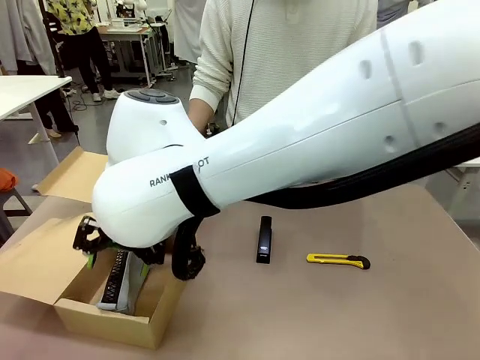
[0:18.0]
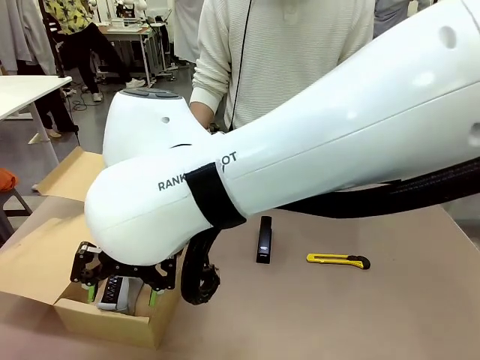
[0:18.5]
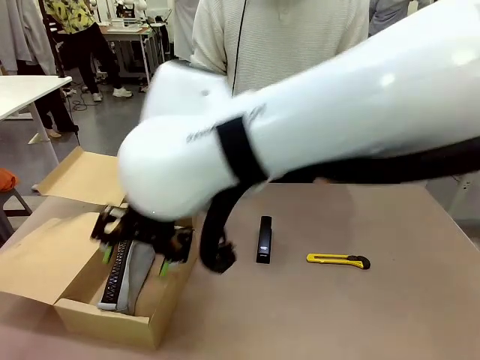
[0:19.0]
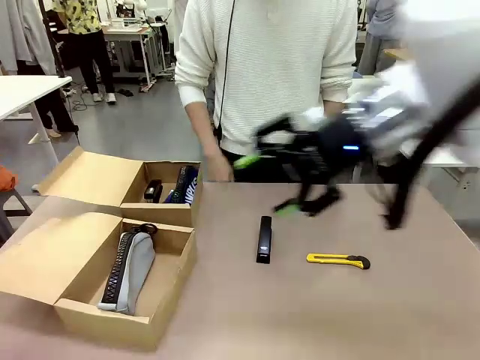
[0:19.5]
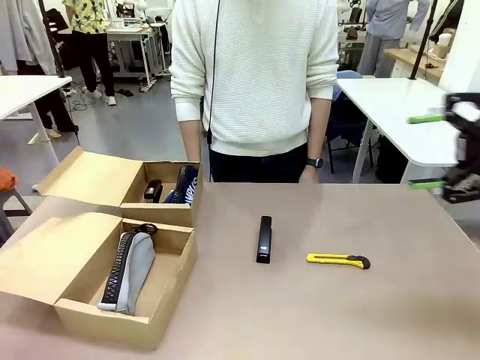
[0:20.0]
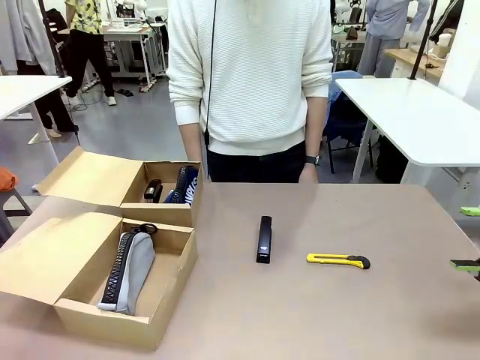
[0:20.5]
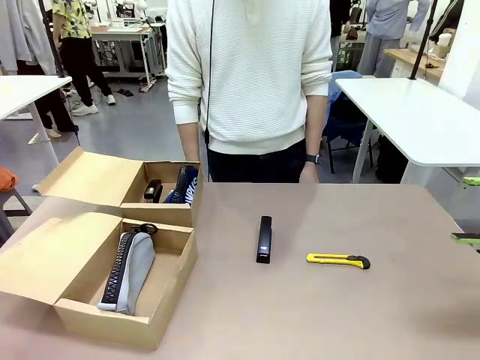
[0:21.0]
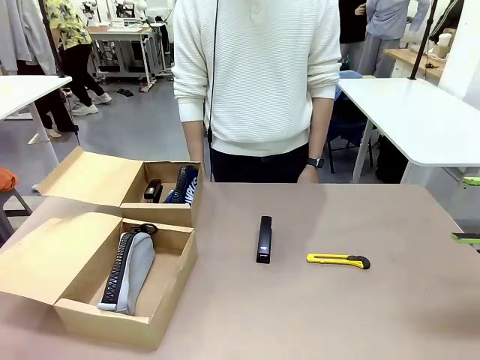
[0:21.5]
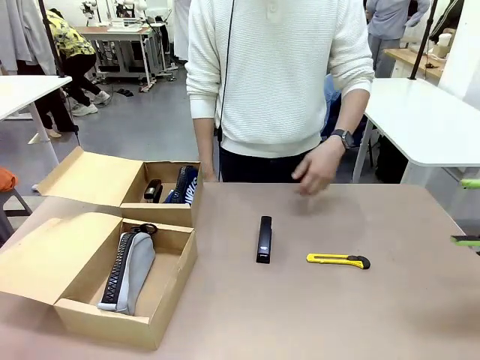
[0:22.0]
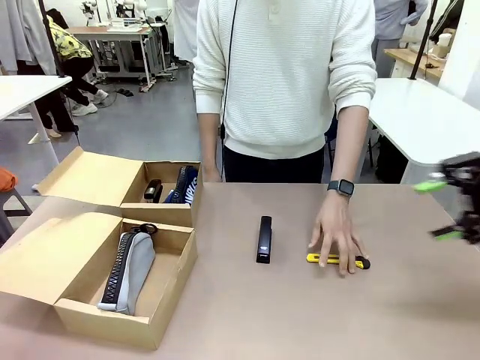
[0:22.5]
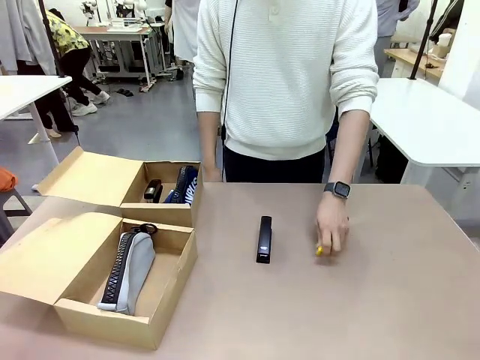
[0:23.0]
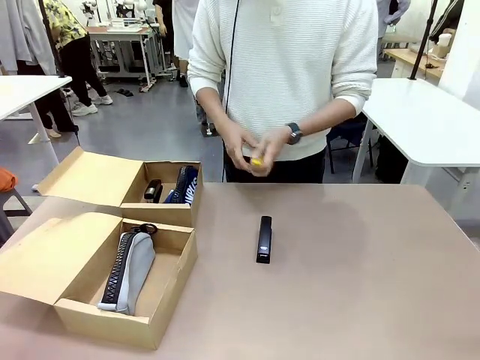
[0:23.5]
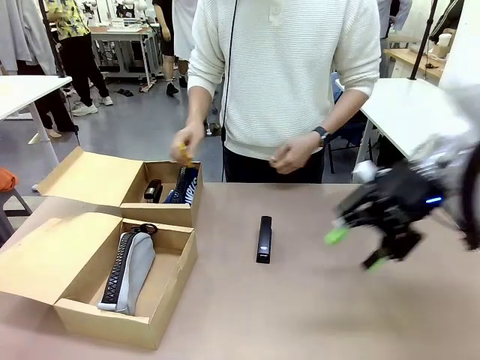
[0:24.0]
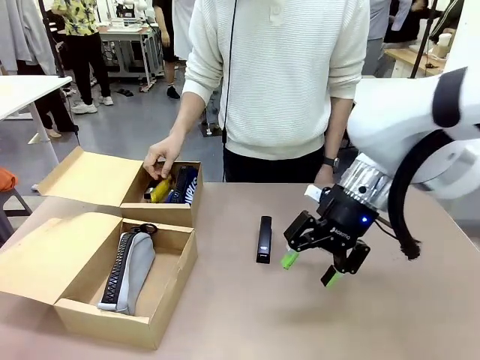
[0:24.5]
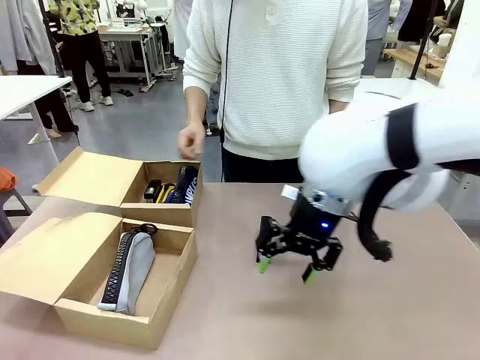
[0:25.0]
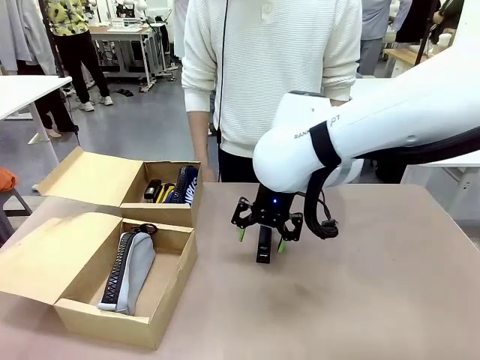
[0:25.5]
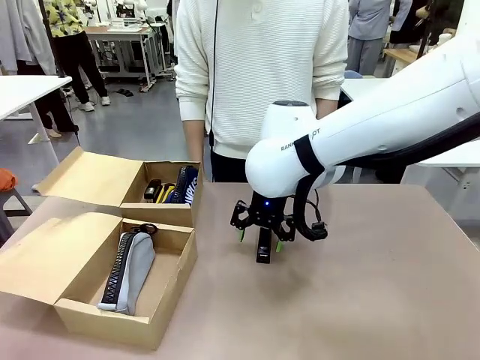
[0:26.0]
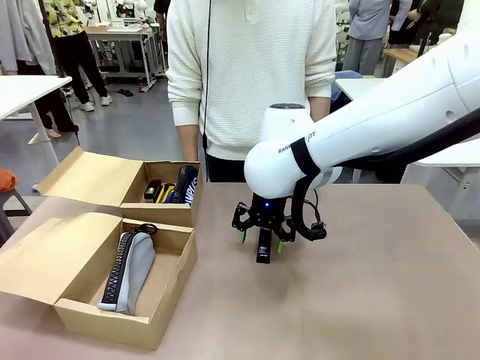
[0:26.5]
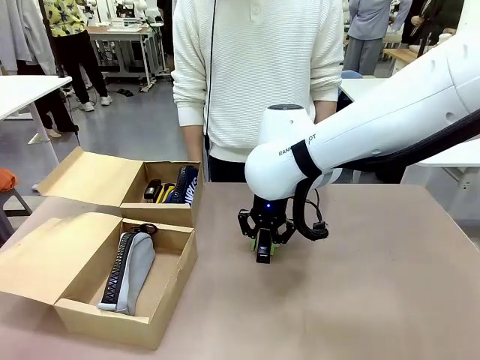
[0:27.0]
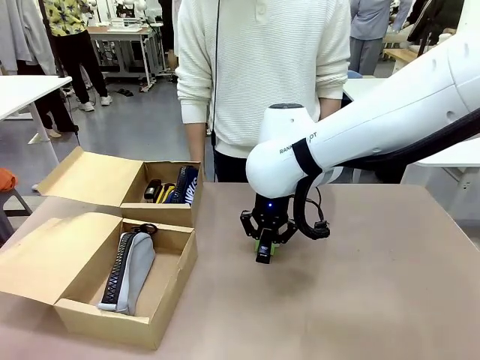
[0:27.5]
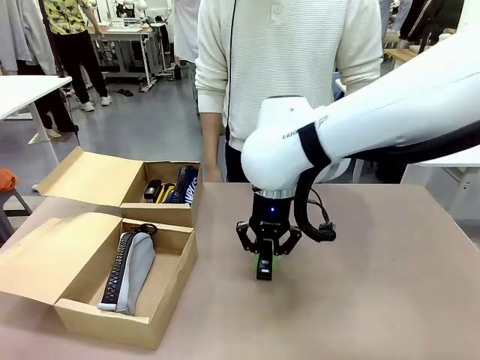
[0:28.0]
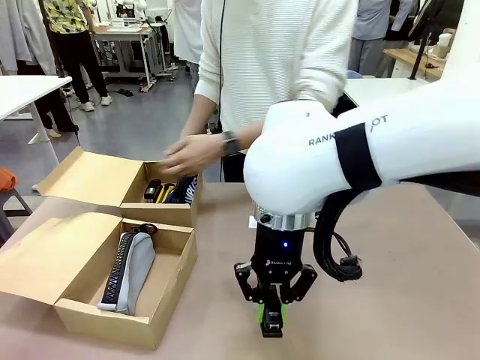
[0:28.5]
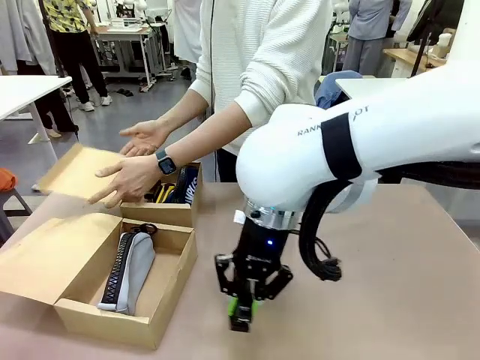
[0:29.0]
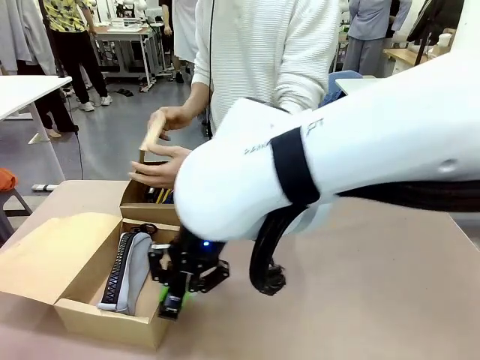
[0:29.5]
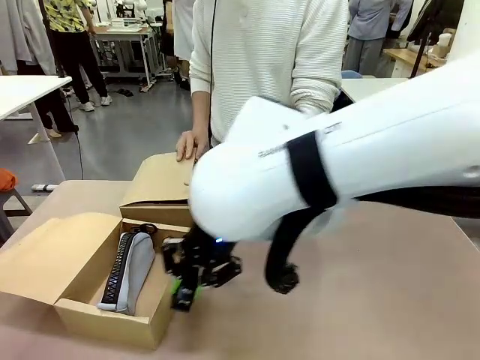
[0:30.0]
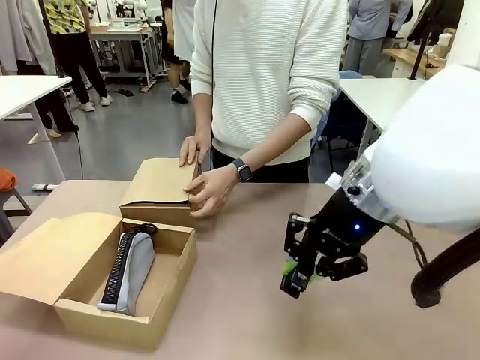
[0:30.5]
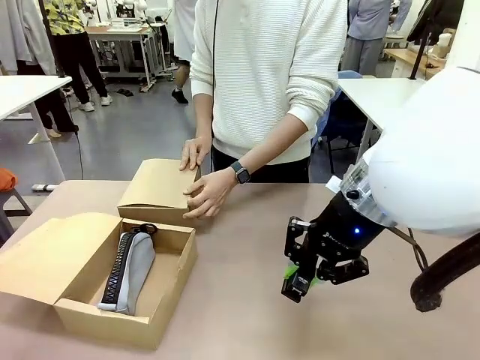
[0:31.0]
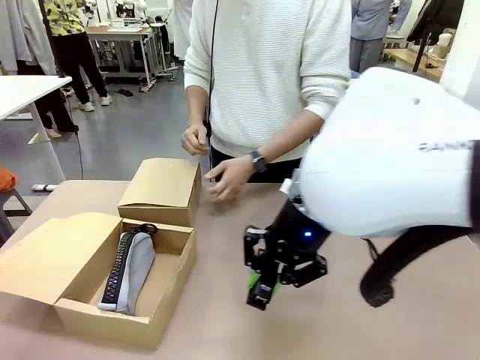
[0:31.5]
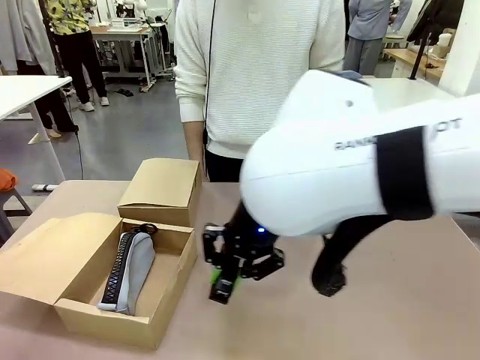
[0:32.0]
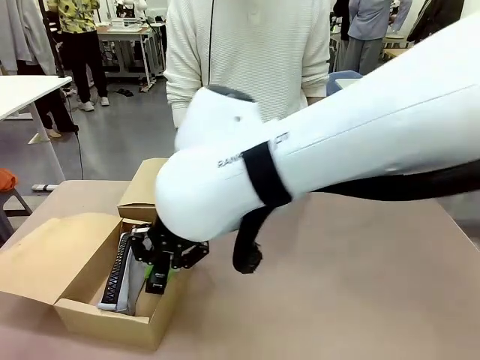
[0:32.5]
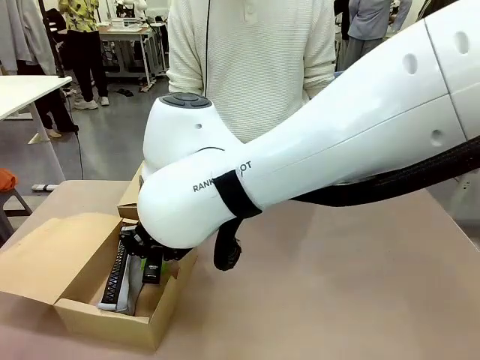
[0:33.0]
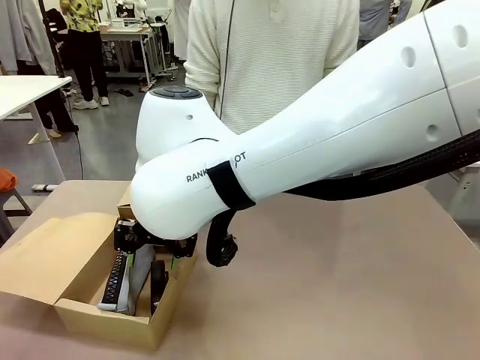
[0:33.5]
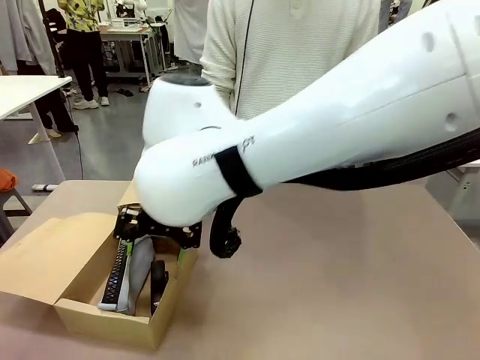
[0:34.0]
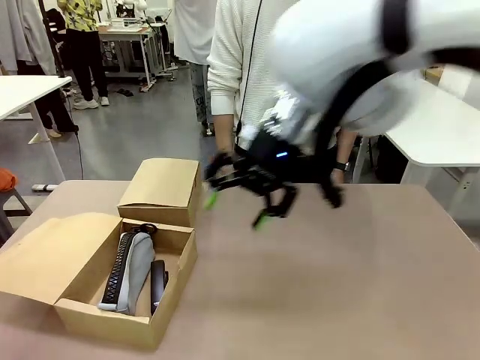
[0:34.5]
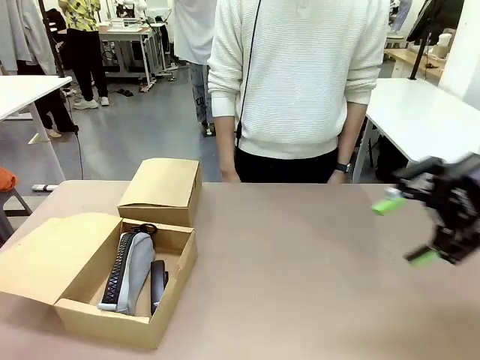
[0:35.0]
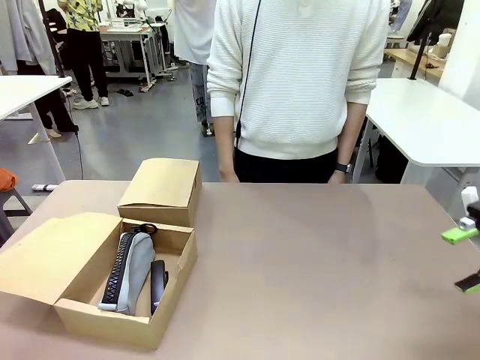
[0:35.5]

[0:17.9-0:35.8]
Task: Place items inside the box.
Robot: Pick up a Pencil pouch or Stapler and place it inside the Mailer Box closest to the robot.

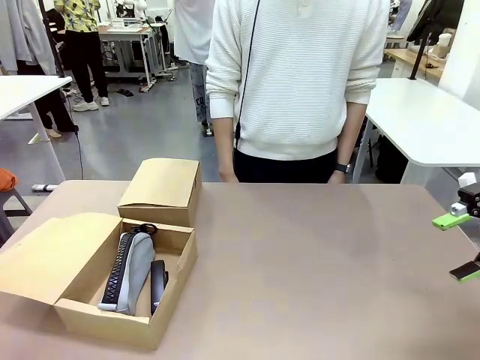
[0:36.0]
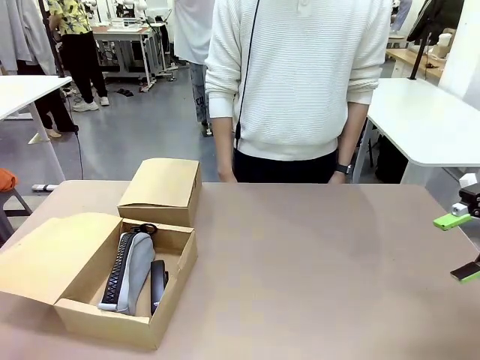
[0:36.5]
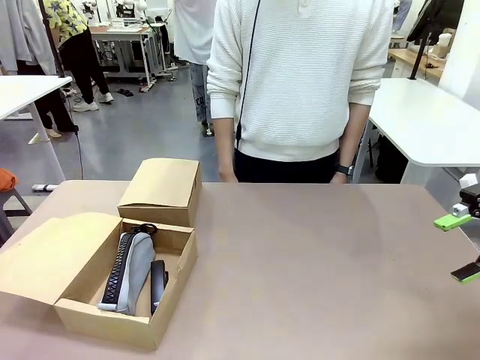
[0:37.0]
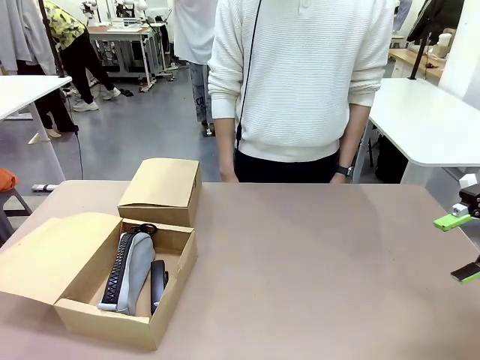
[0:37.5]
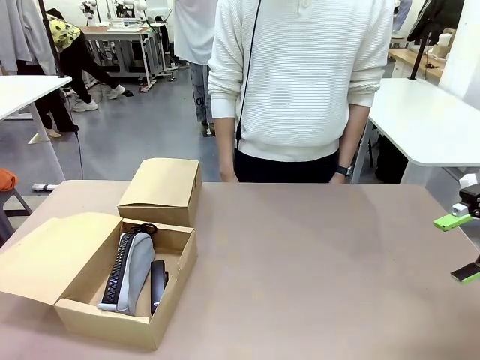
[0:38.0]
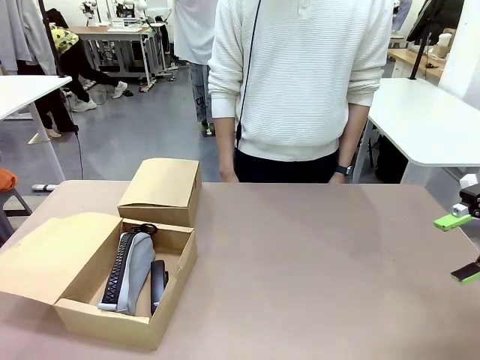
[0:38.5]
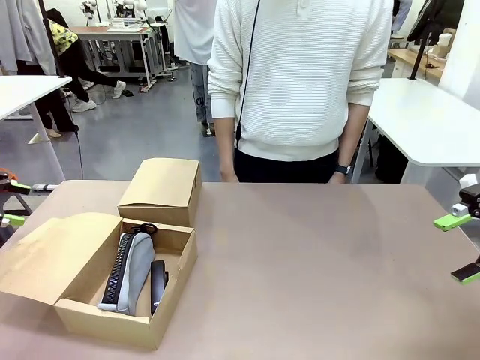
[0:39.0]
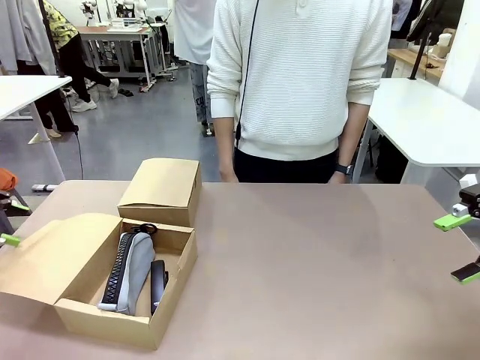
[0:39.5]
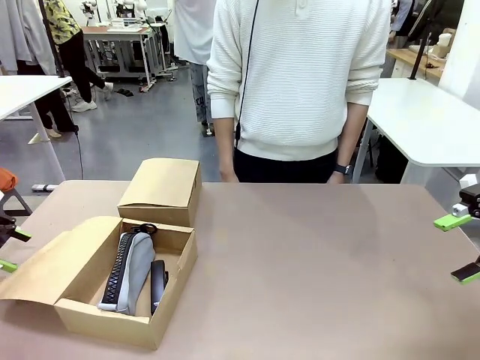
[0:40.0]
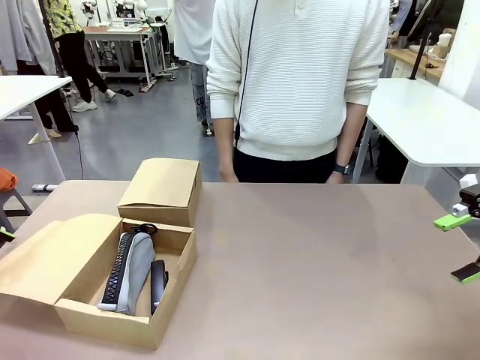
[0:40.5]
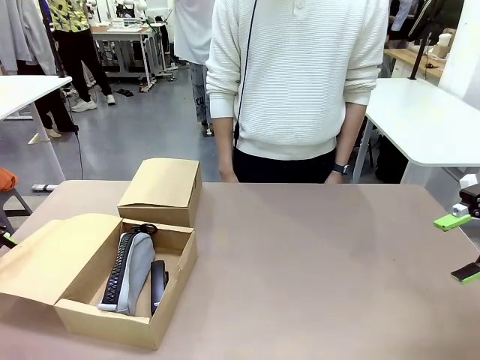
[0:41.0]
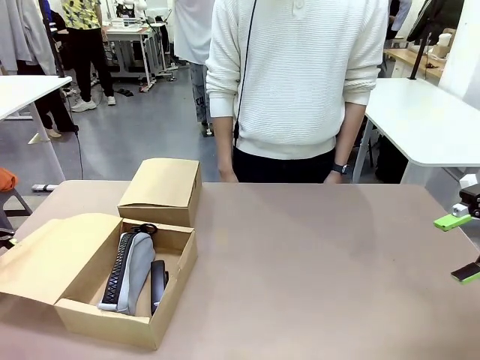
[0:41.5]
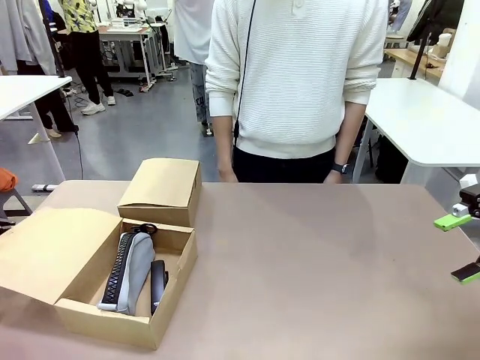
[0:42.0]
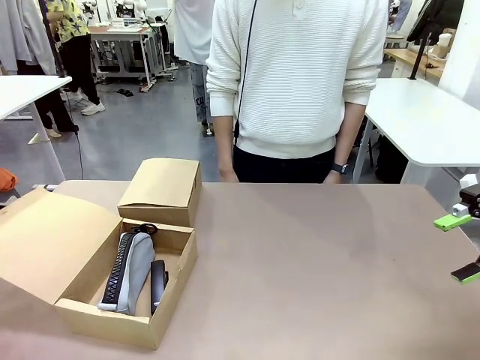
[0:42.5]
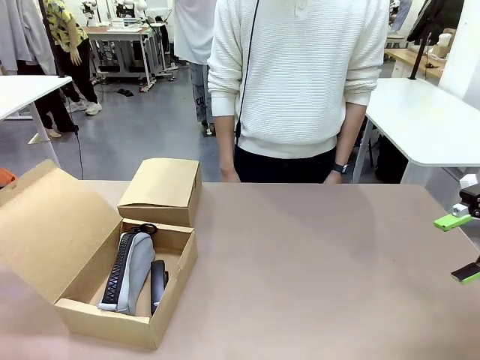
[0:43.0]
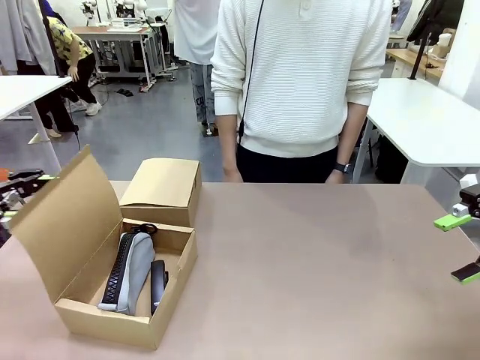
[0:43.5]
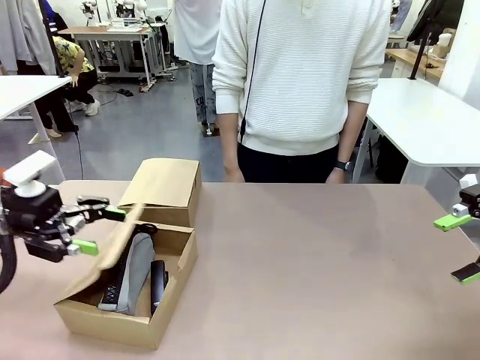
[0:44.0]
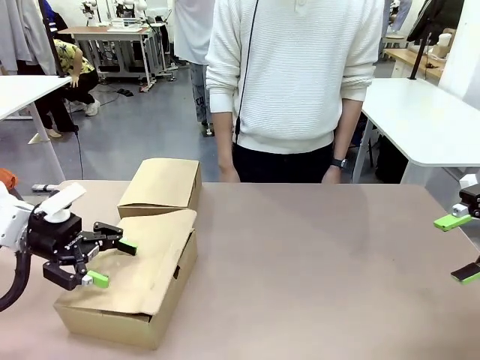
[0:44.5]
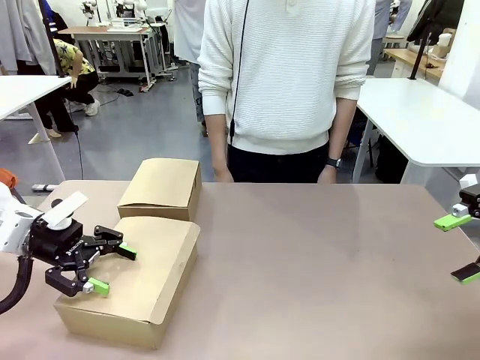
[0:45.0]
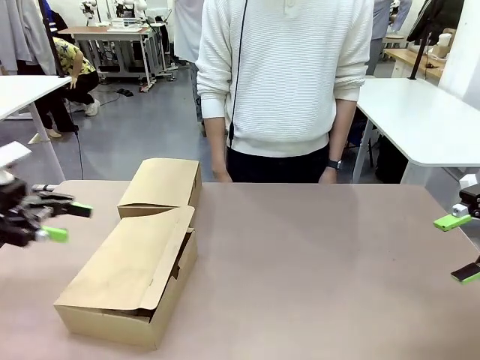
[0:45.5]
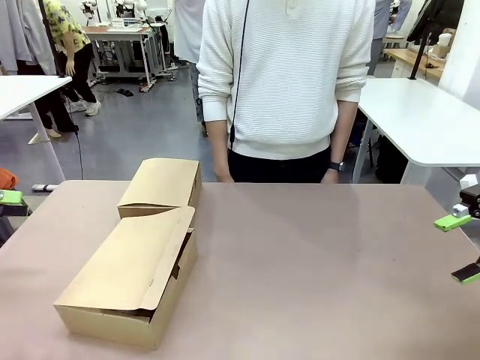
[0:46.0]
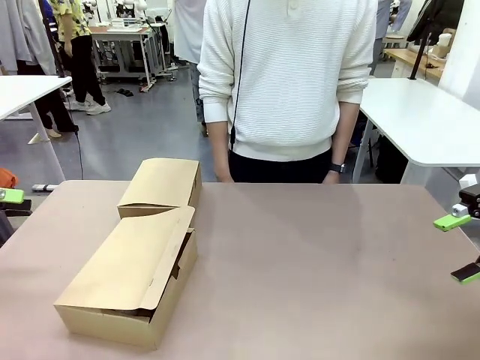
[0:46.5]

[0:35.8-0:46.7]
Robot: Close the lid of the Mailer Box closest to the robot.
Person: Close the lid of the box facing the person.
